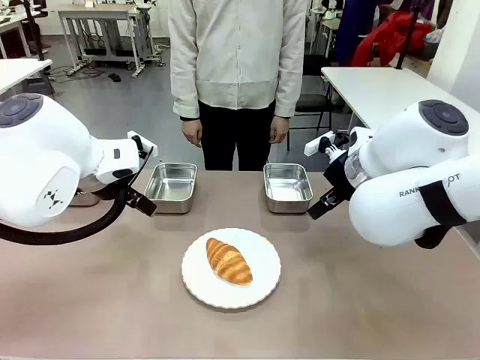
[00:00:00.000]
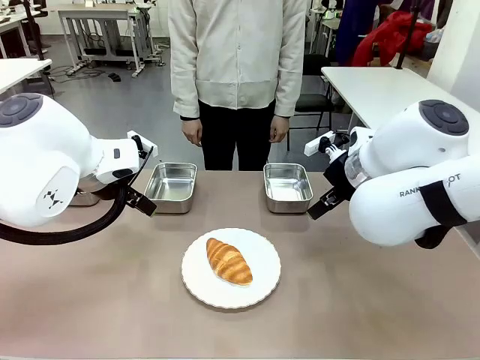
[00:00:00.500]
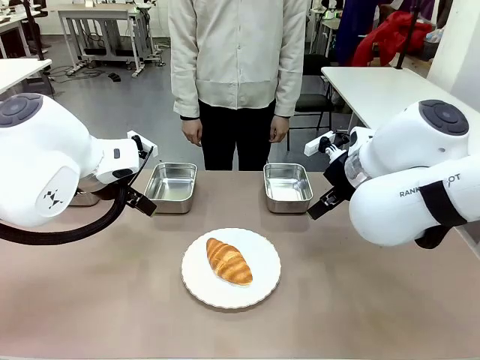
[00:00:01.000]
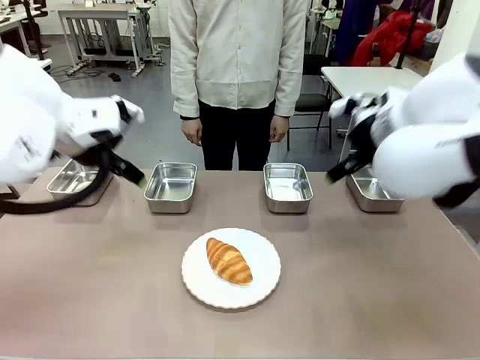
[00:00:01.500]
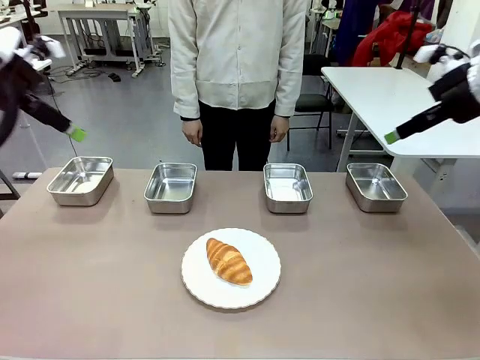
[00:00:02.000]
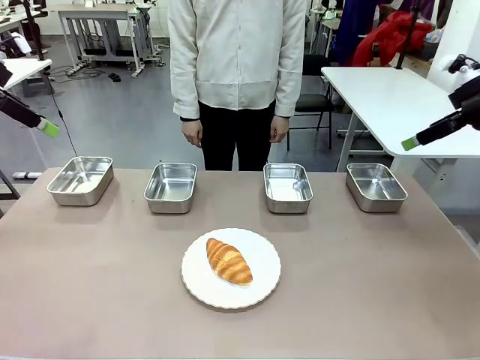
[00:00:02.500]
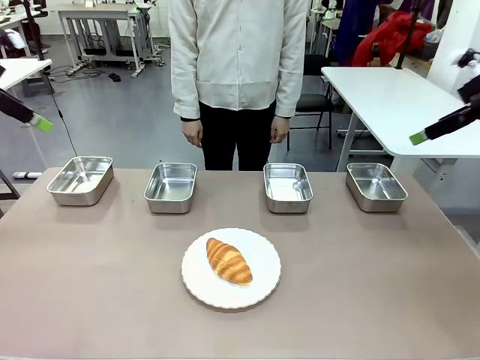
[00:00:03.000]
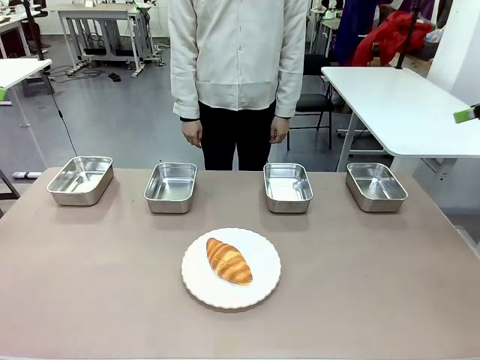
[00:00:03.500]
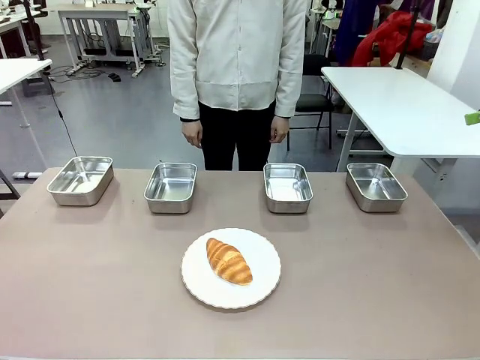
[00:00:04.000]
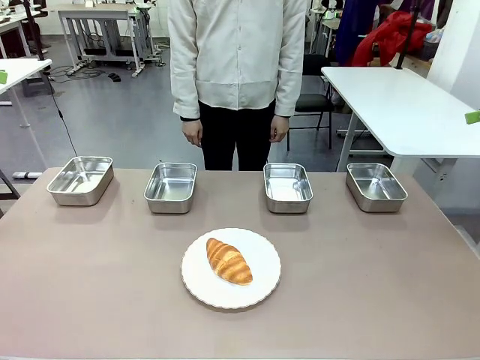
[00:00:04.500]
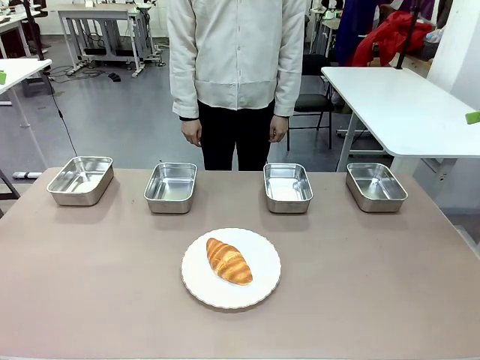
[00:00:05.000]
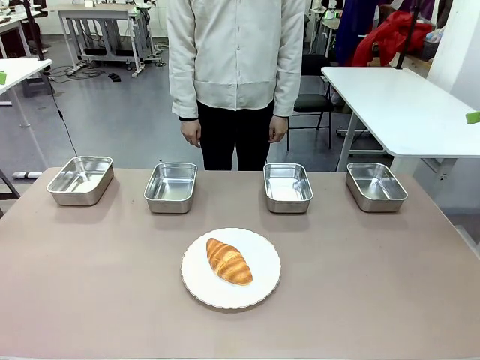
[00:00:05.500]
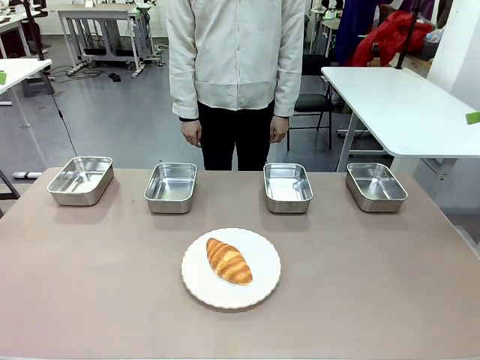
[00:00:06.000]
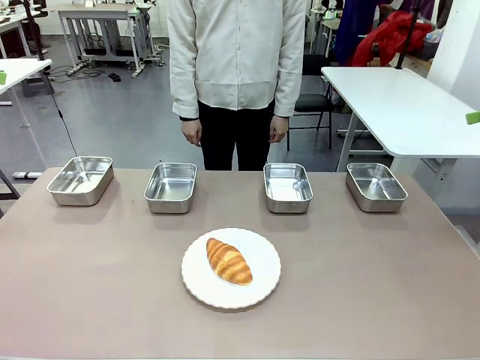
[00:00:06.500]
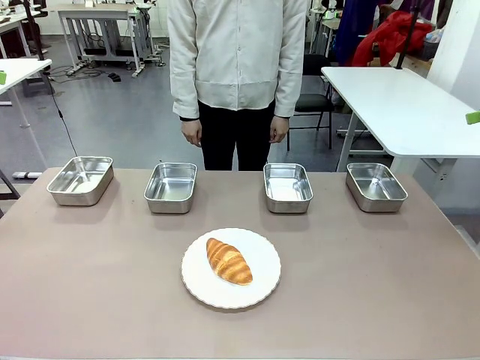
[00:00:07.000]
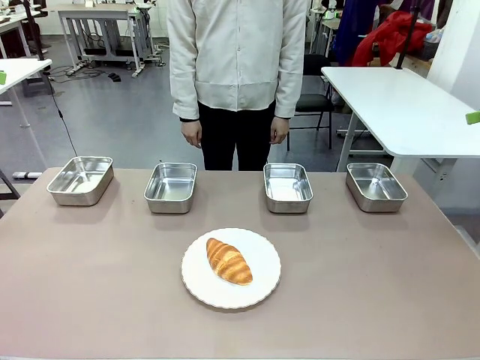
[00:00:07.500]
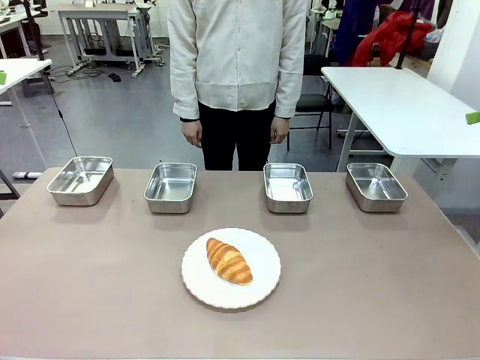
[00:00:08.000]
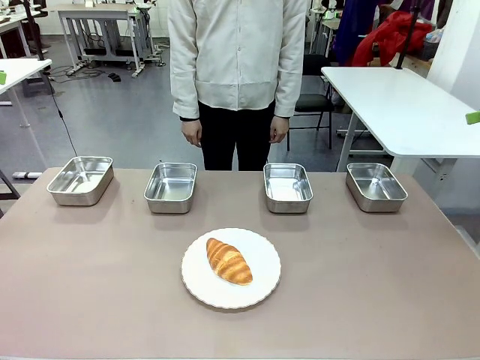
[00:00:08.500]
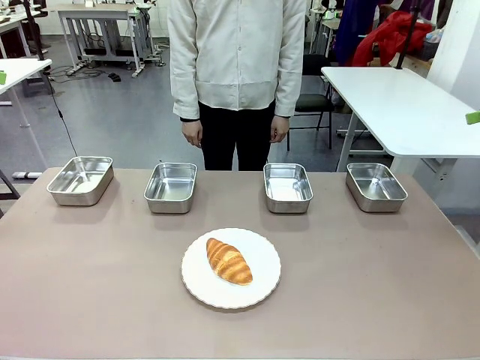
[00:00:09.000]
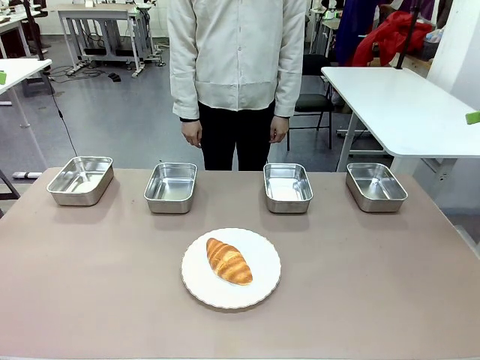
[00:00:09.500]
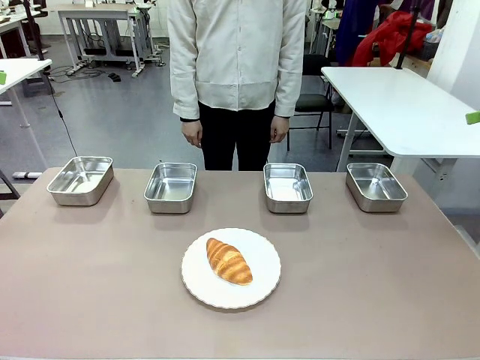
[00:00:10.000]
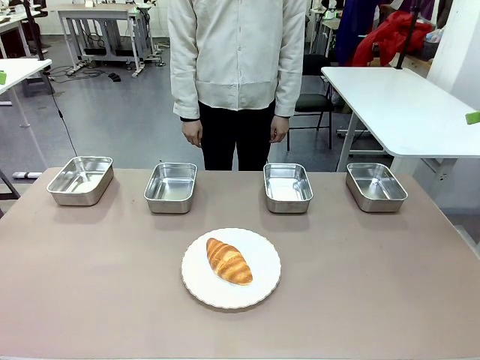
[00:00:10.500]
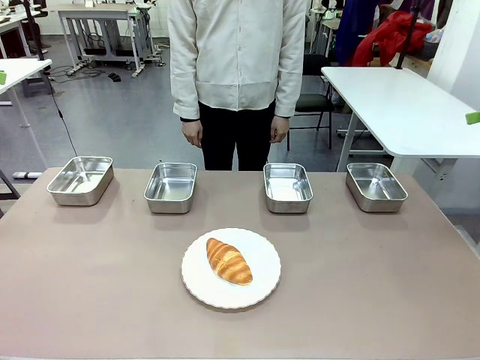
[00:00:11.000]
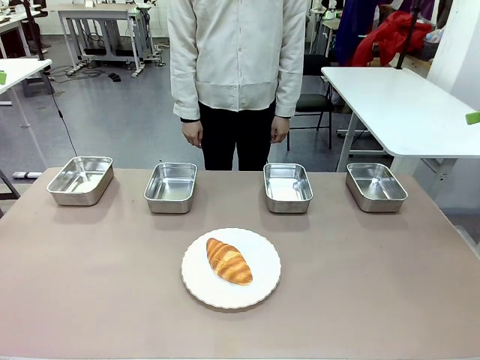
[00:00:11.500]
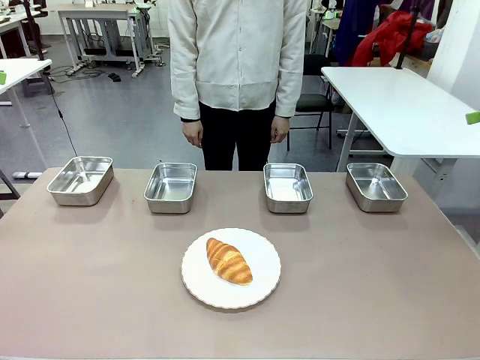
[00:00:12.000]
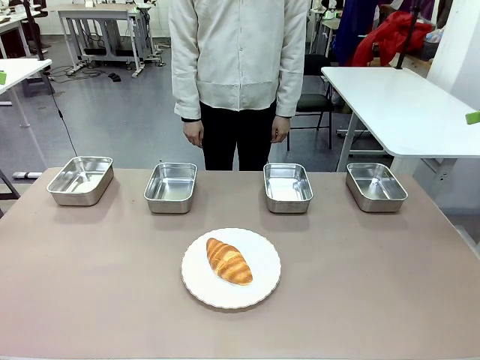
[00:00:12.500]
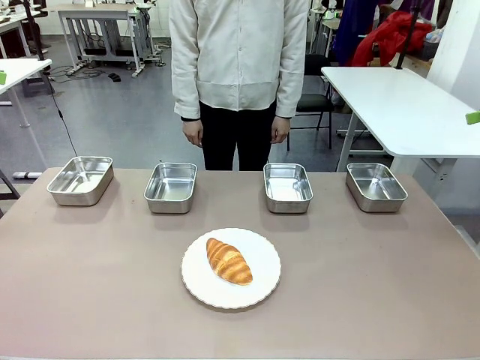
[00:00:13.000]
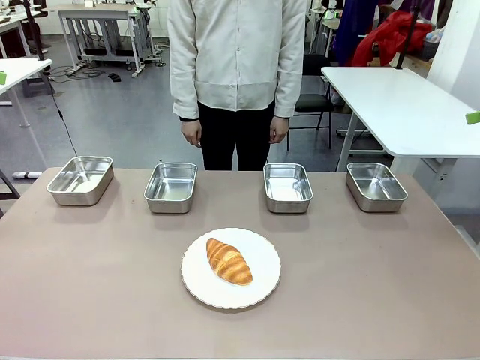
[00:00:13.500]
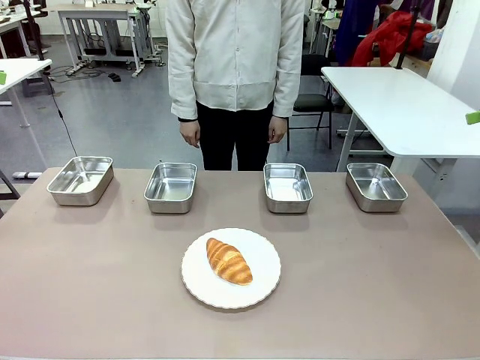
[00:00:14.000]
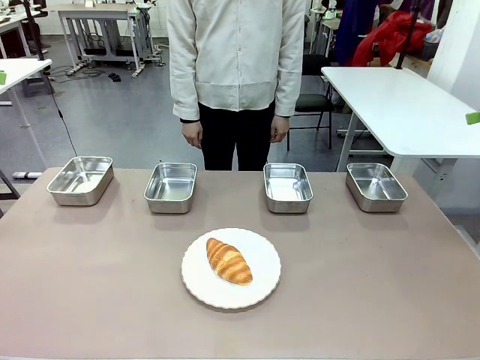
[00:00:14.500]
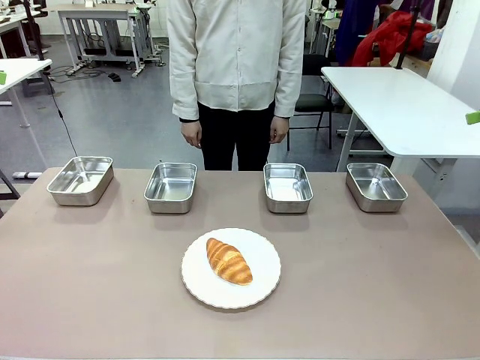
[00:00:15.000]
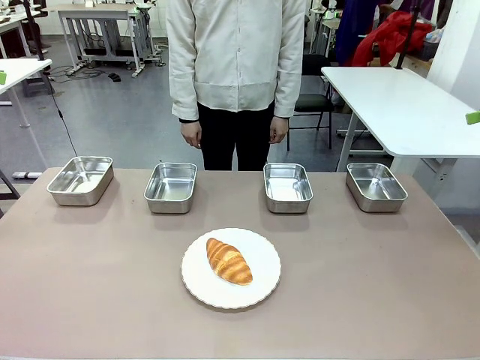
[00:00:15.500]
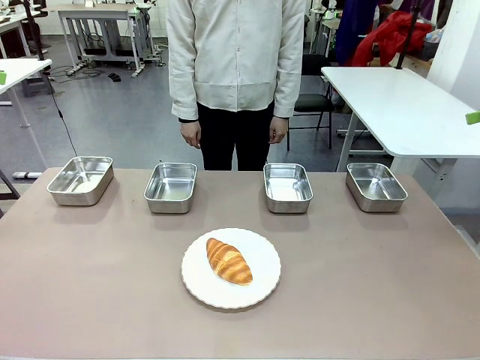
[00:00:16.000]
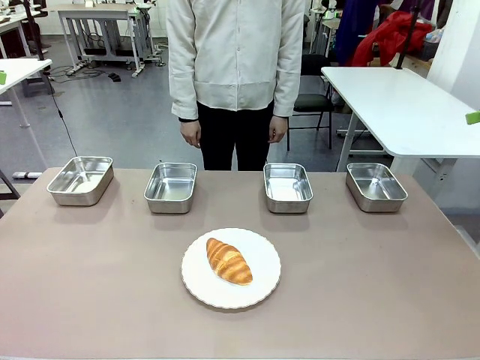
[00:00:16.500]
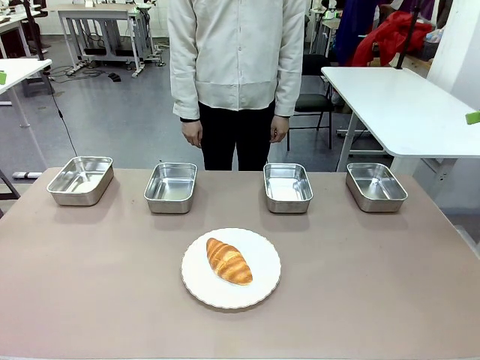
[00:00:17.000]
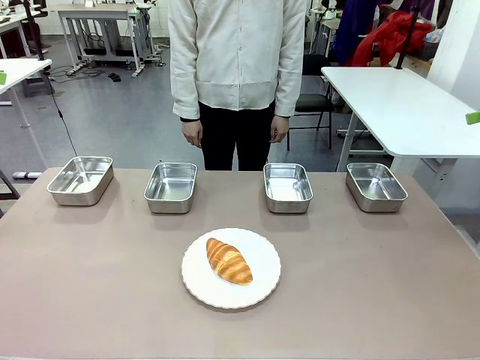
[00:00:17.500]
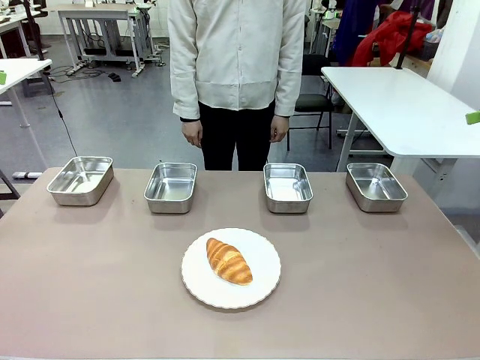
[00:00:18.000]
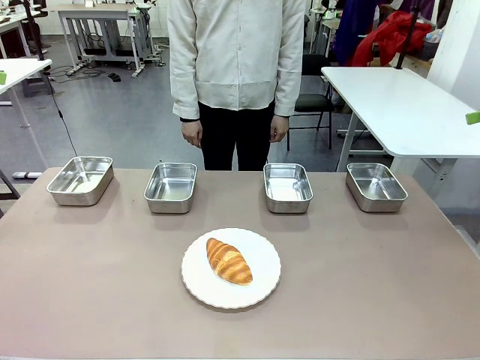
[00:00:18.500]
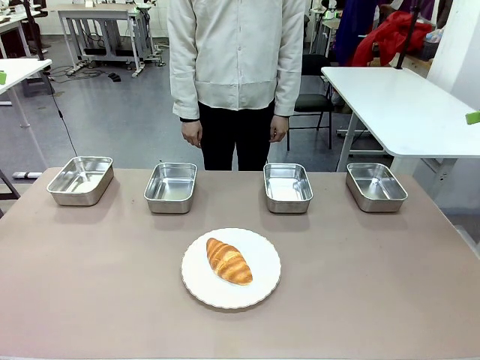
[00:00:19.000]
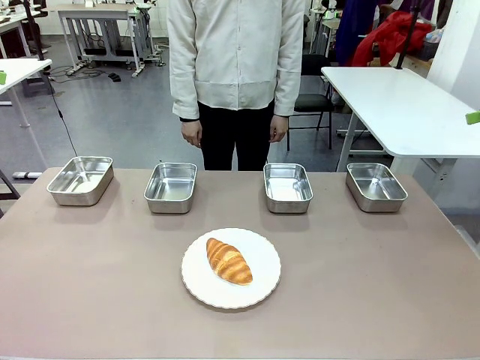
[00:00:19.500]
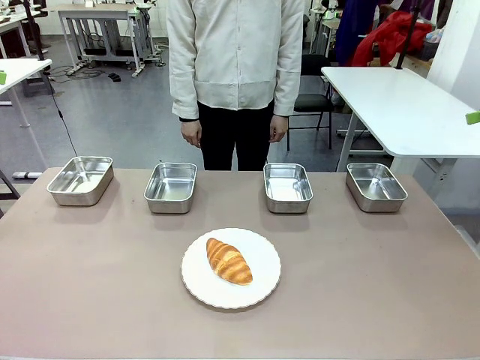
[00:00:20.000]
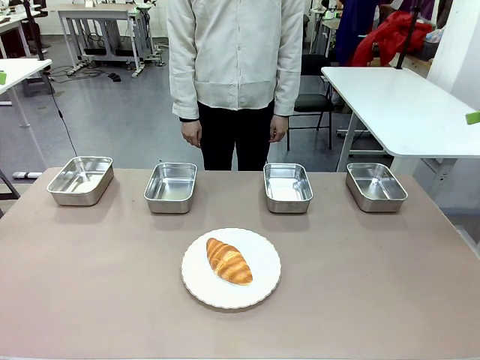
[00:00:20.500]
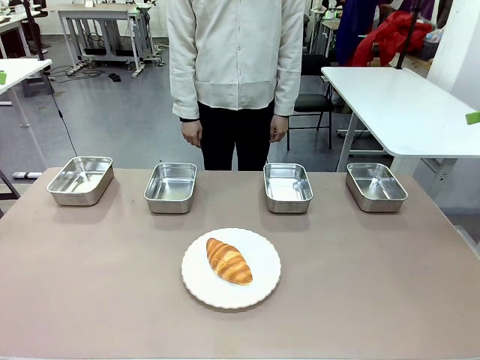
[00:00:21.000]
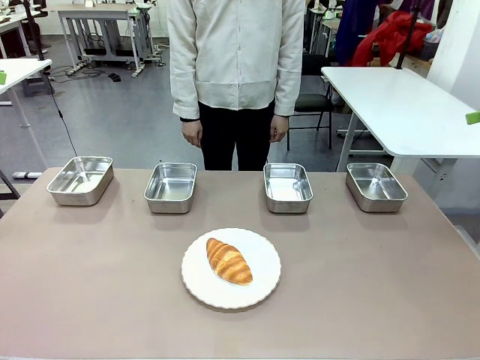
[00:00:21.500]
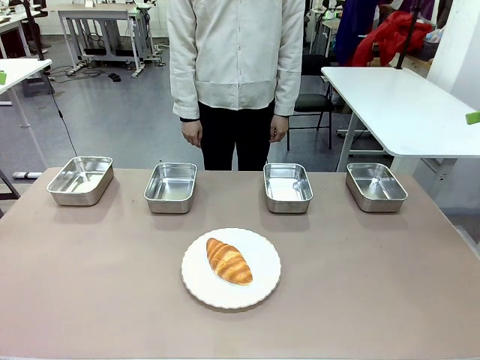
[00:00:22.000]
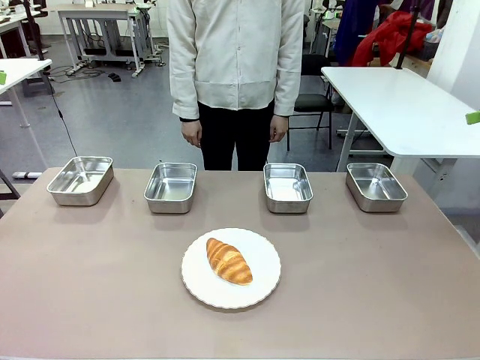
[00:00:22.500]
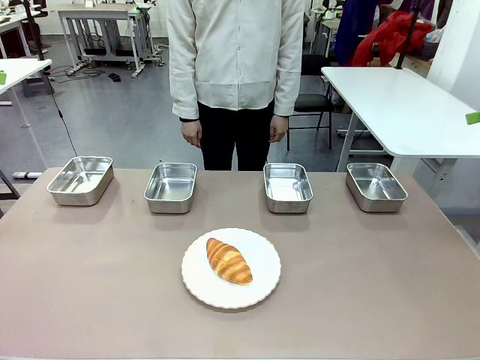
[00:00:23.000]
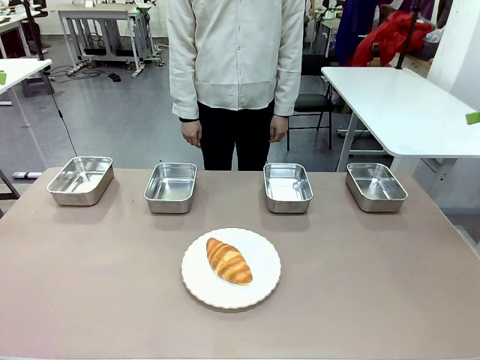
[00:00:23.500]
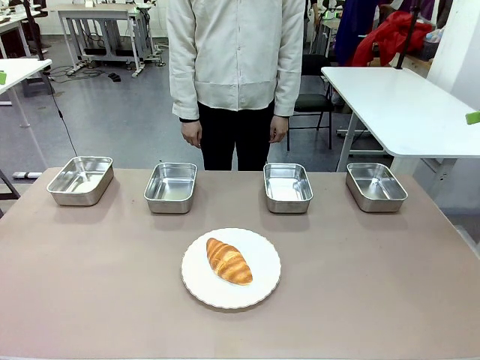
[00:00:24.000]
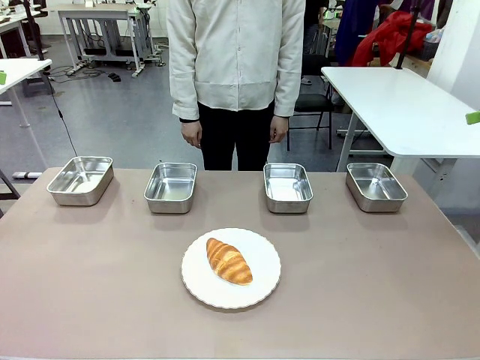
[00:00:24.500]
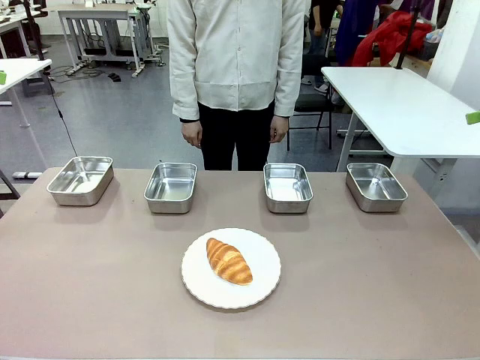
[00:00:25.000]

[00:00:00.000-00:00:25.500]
Task: Place the bread in the container.
Robot: Place the Butter Roll into the Airtight Container indicated by the human.
